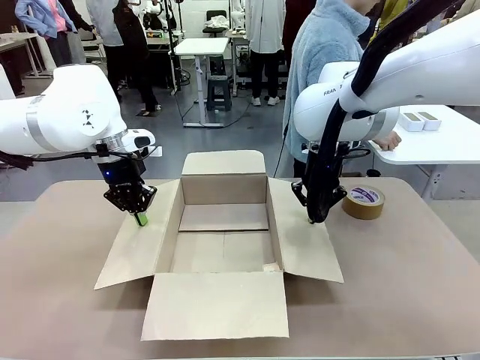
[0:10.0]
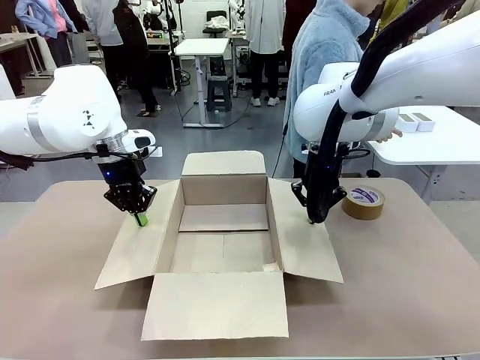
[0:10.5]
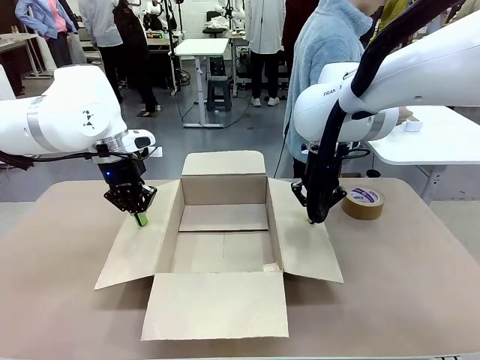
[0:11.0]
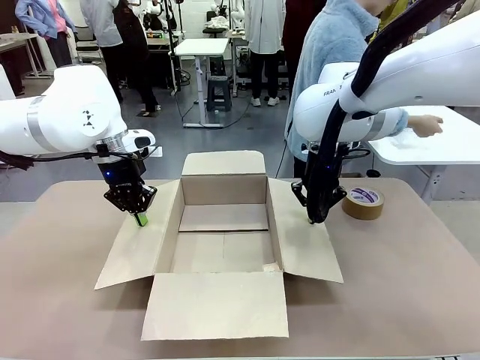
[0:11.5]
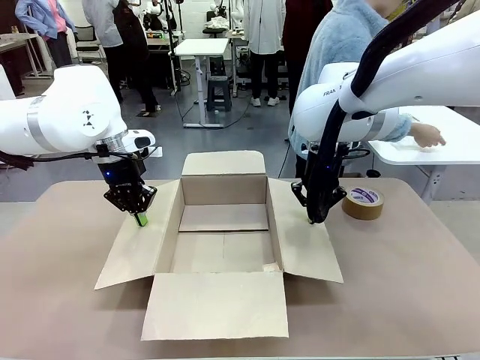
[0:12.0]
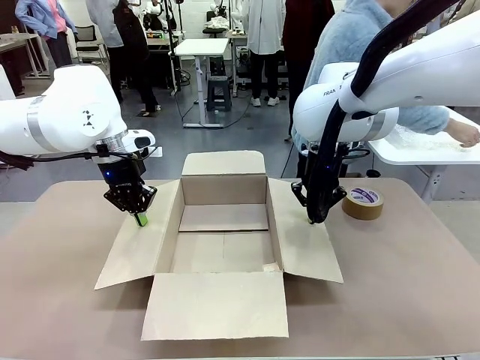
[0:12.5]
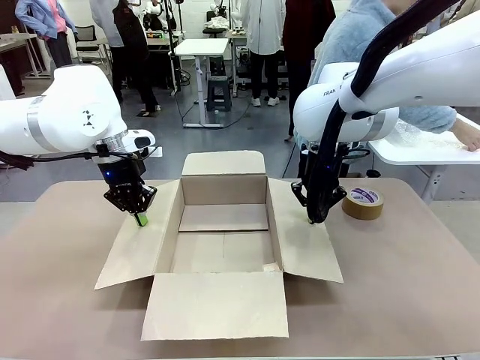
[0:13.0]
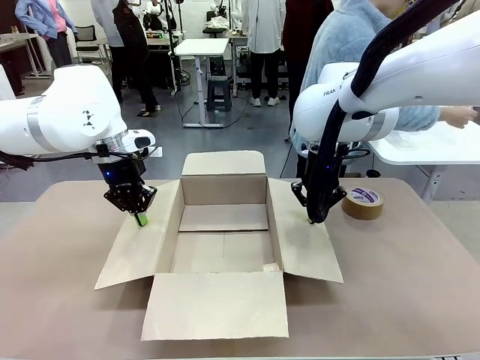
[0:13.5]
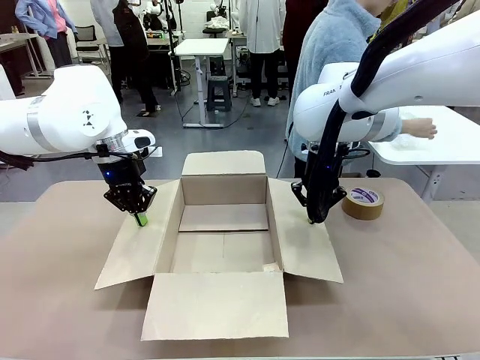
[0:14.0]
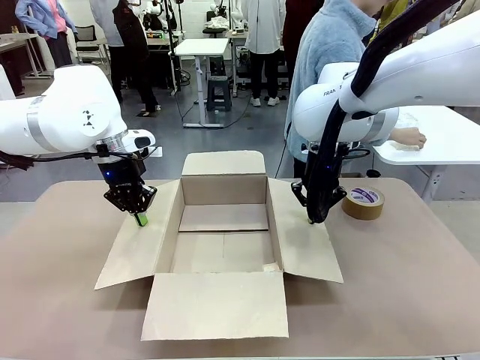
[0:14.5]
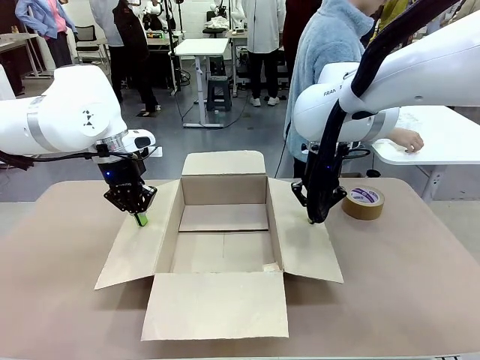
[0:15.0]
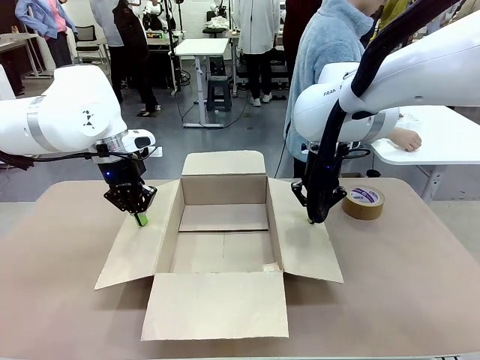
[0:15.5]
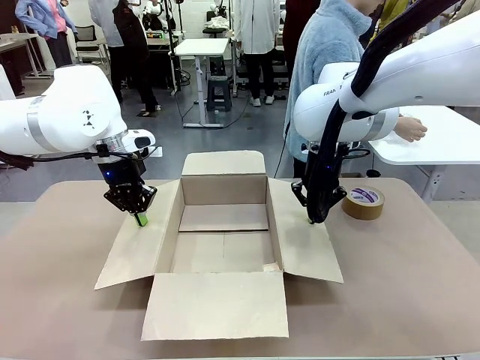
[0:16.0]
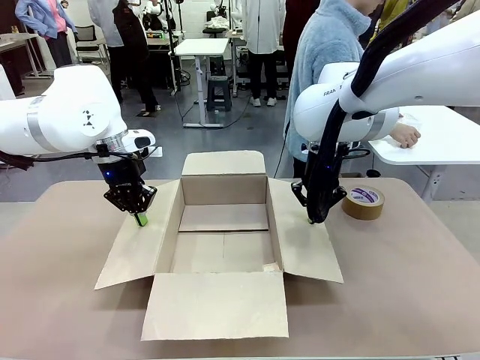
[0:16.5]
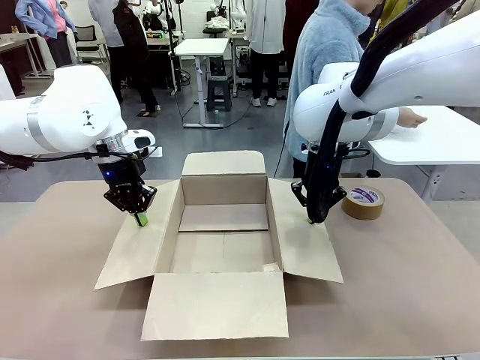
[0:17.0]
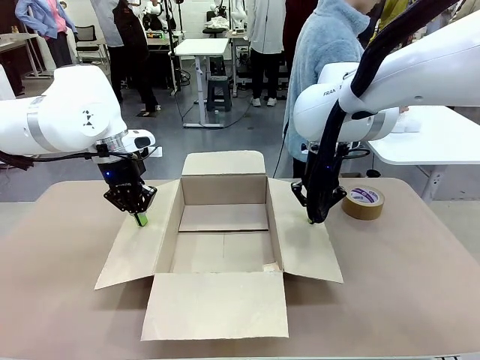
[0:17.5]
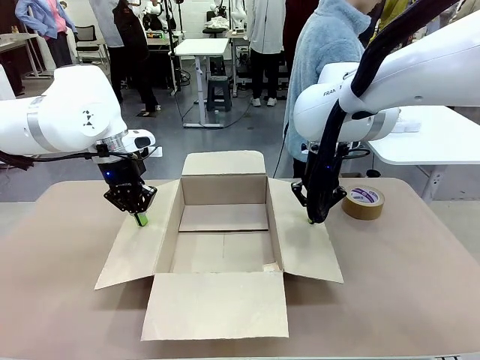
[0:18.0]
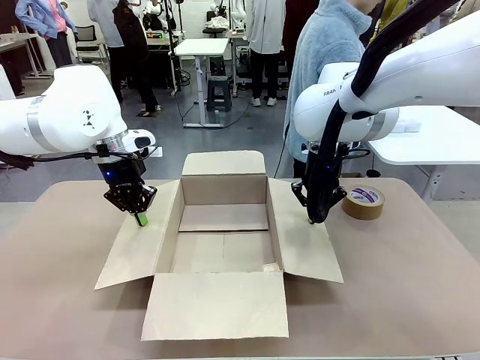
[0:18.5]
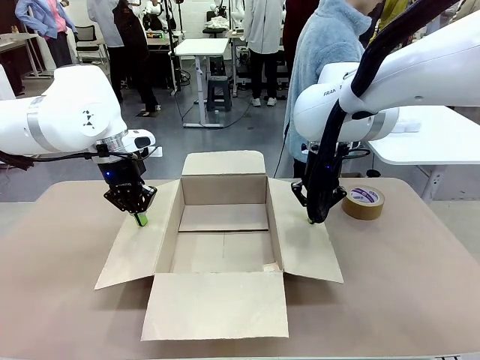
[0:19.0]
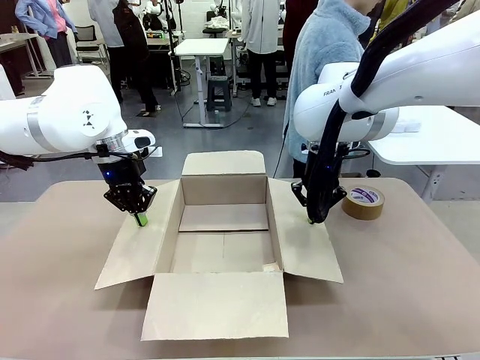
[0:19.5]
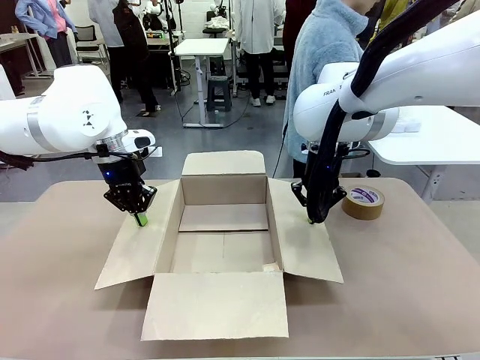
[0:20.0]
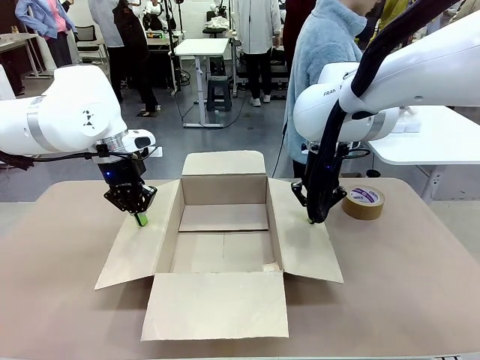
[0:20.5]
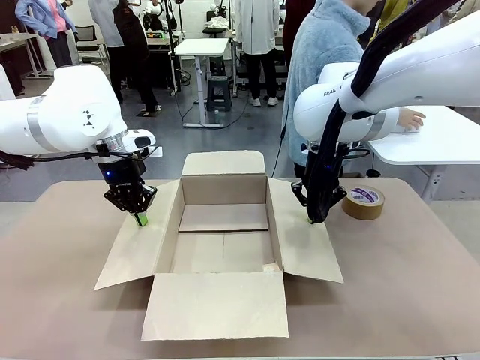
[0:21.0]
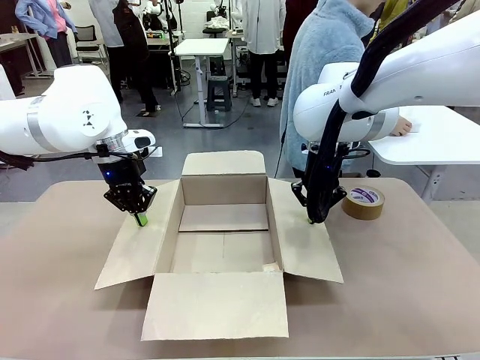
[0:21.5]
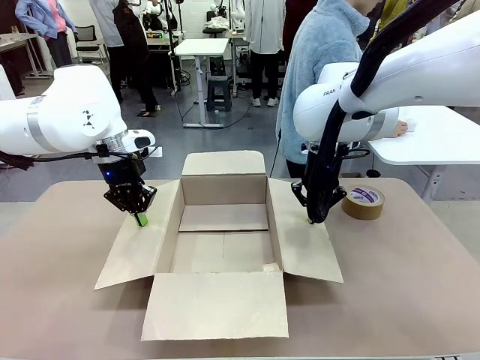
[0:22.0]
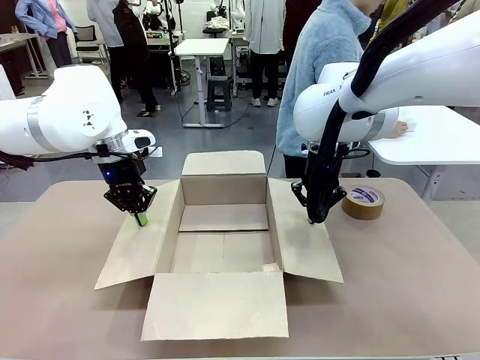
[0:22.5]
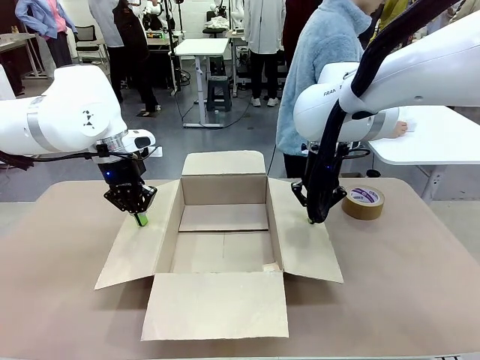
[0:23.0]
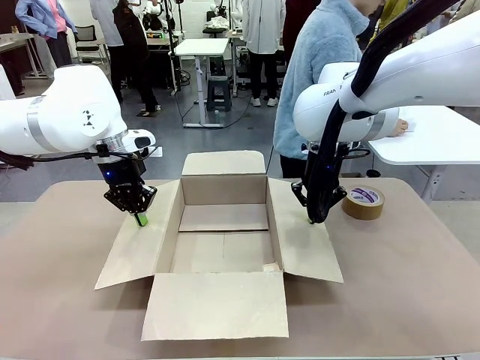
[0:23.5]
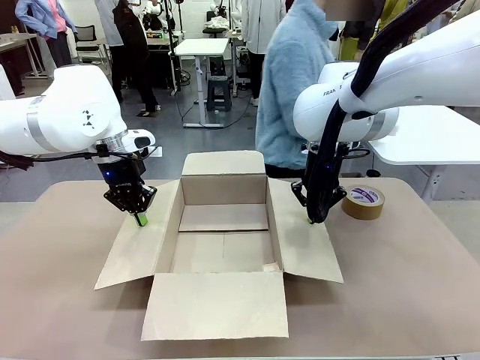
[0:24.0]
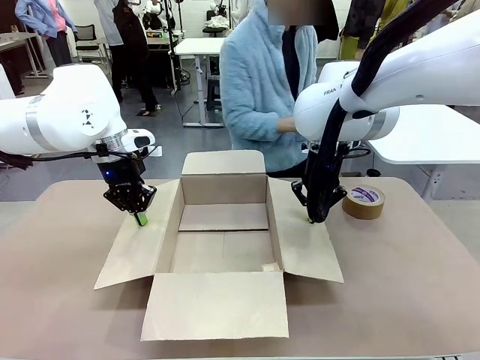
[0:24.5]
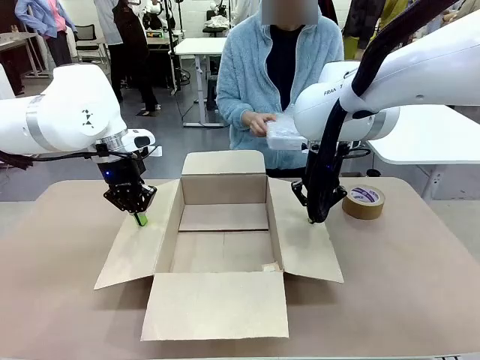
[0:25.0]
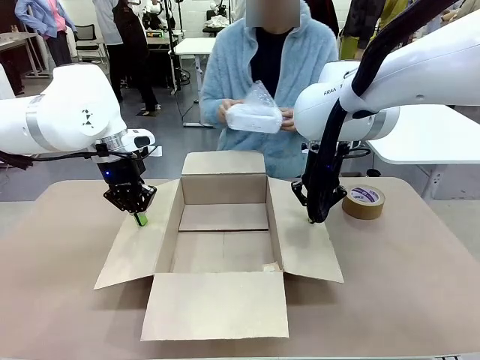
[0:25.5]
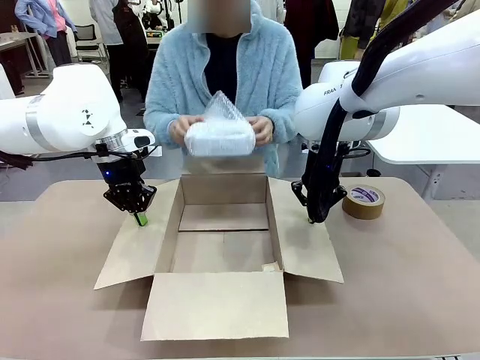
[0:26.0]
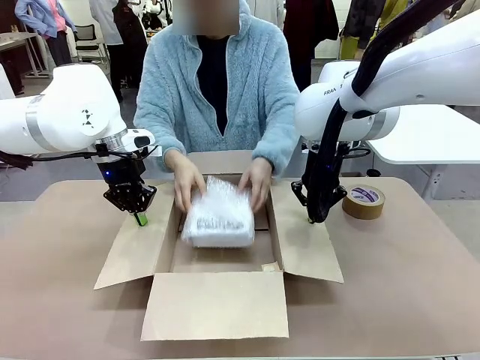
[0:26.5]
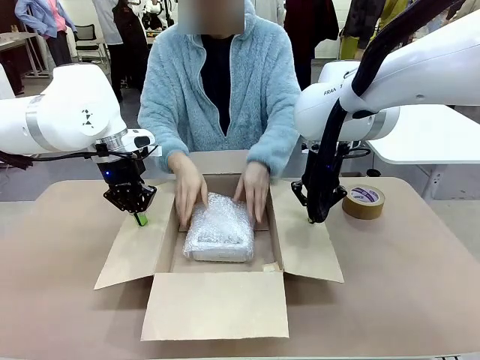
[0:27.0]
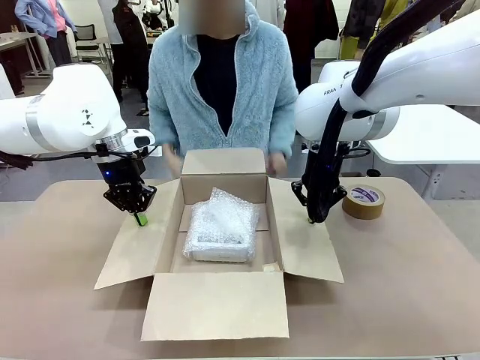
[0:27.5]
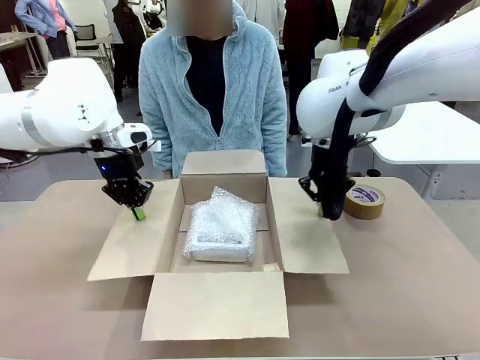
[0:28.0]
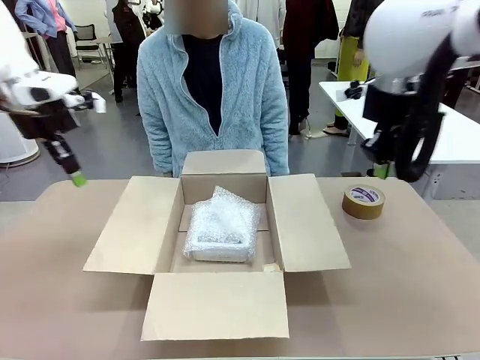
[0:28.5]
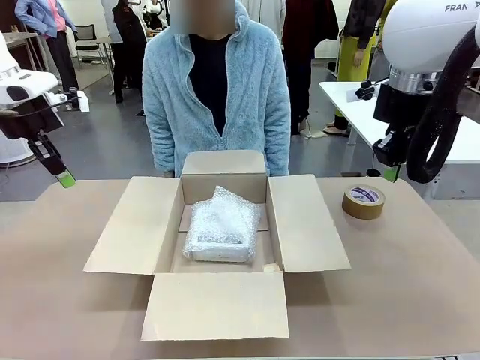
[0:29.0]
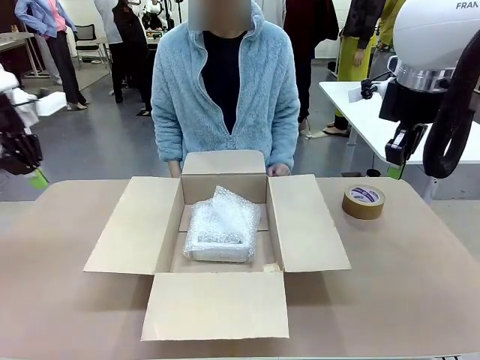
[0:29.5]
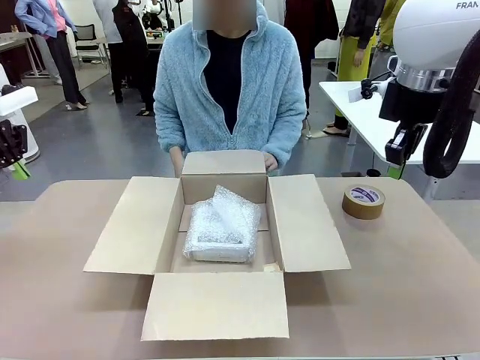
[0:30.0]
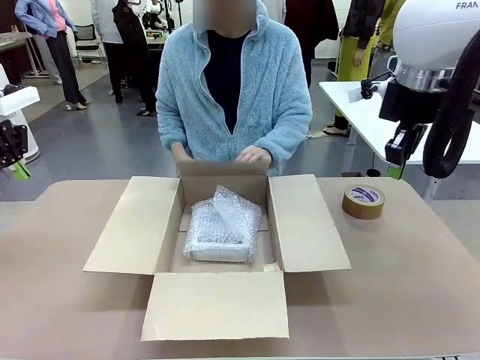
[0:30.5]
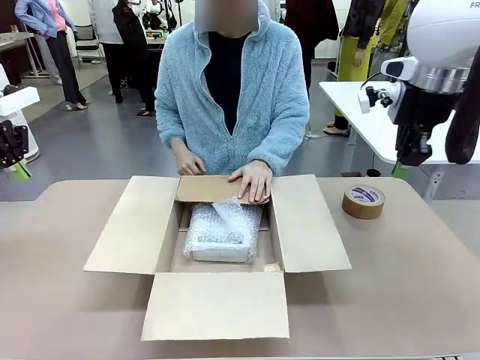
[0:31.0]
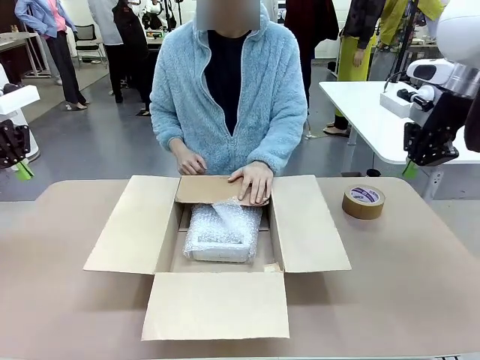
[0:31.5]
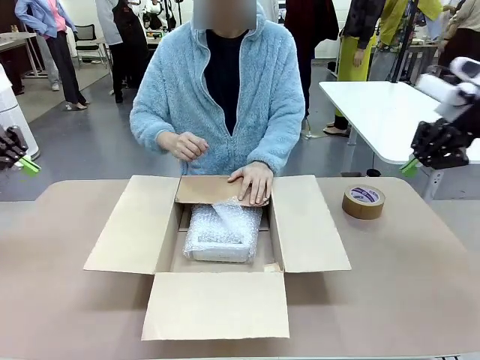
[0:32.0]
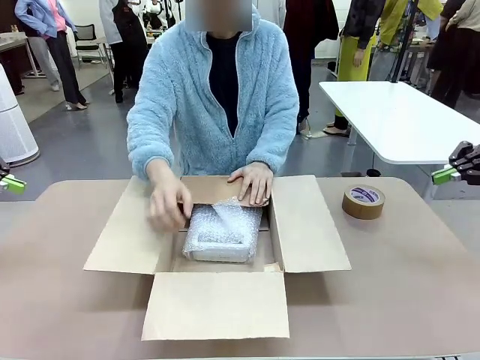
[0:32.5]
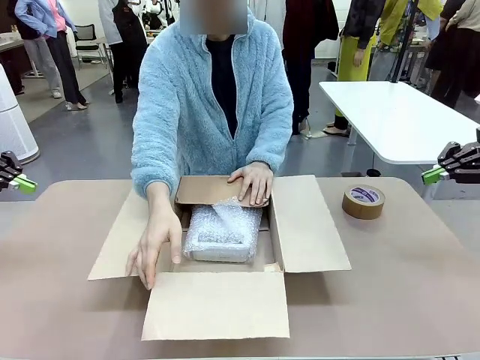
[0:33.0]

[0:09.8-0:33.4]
Task: Wrap the clocks to prevent damage.
Robot: Once the human has placed the objects inside and stepped back, release both hands from the side flaps of the Package Box.
Person: Wrap the two Digital clocks with Bubble Wrap. Place the wrapped Digital clocks inside the Package Box. Hold the top and bottom flaps of the Package Box closed with your left (or right) hand.
